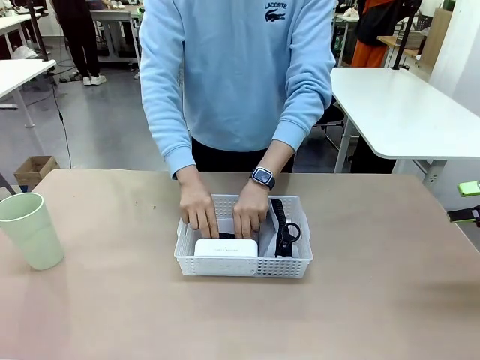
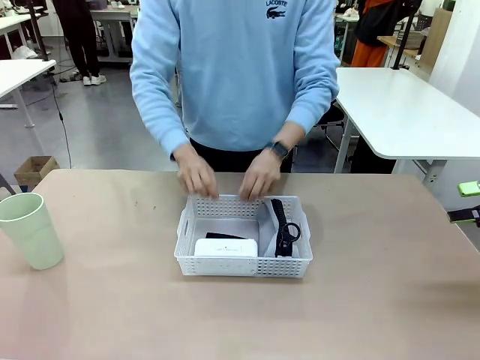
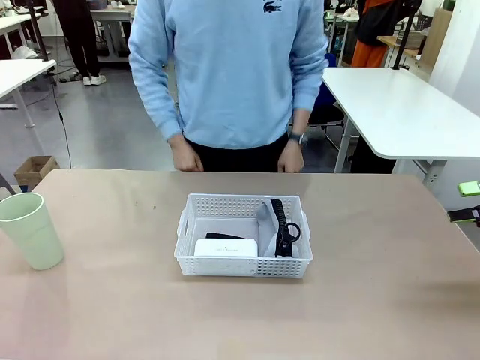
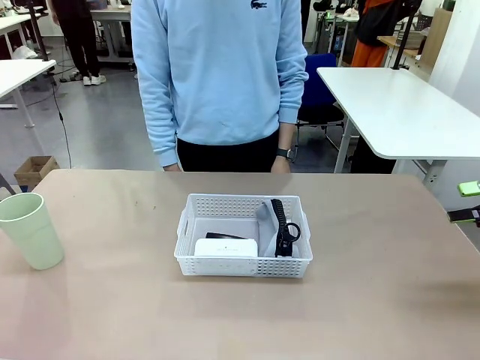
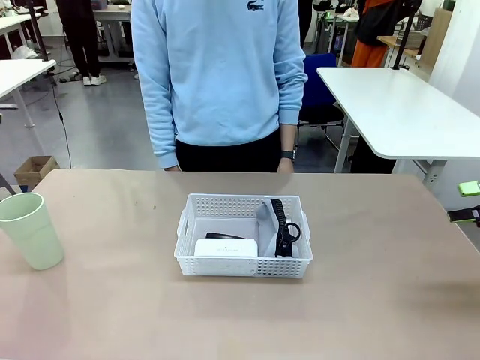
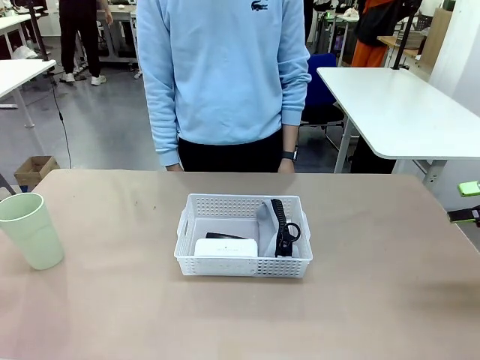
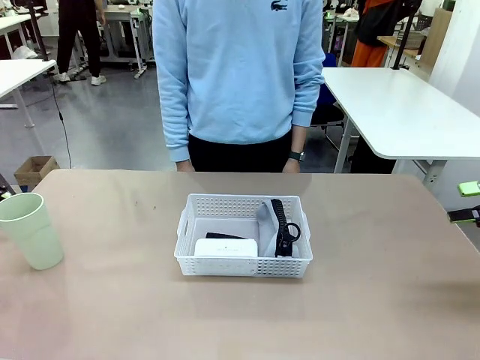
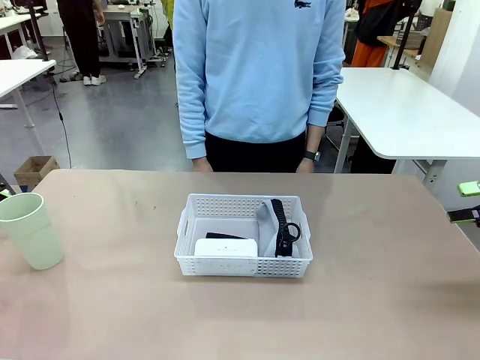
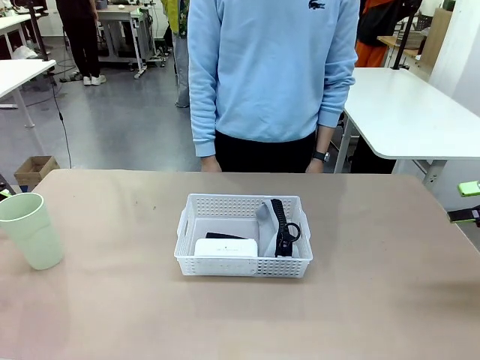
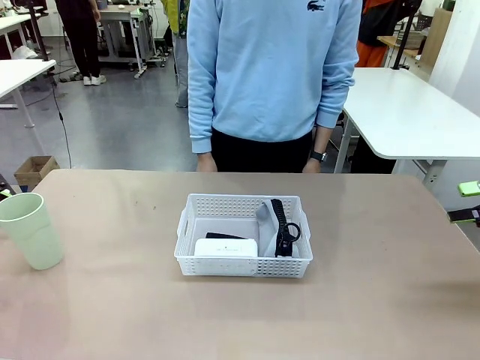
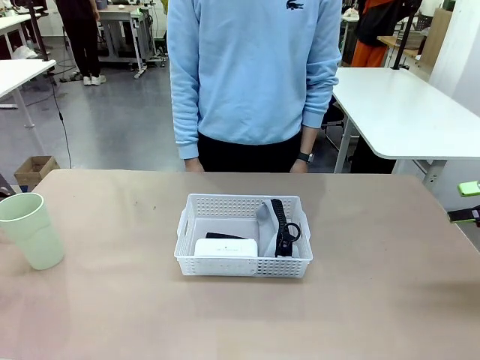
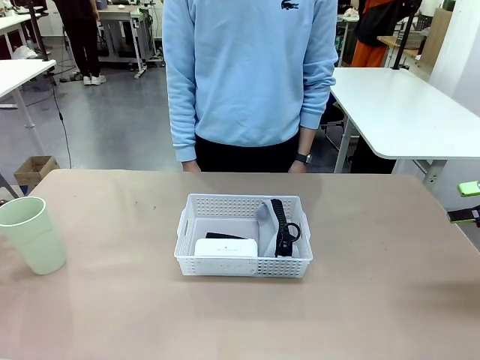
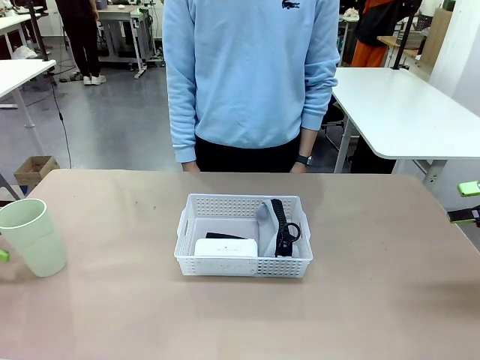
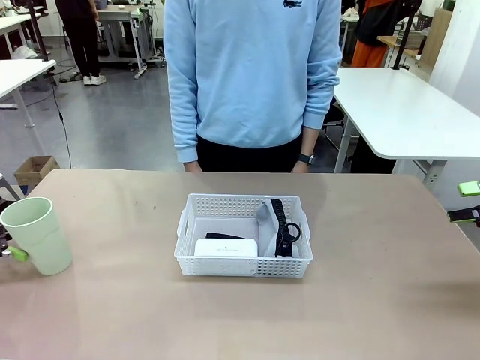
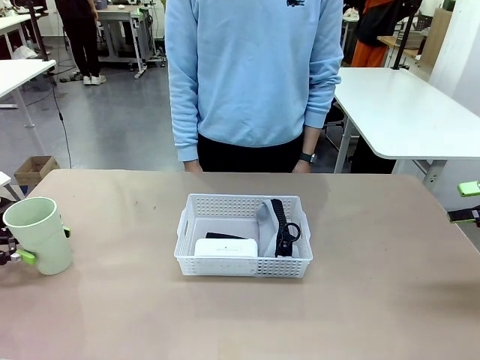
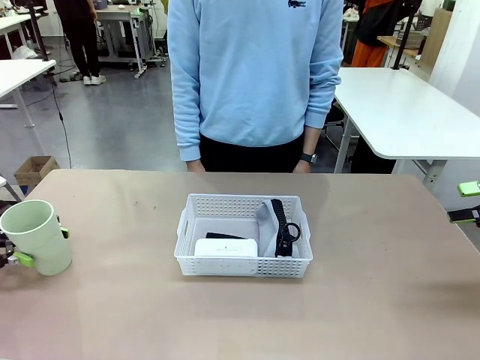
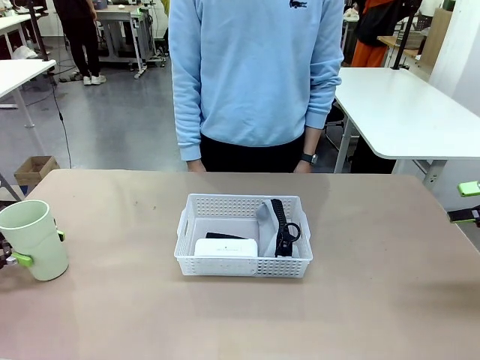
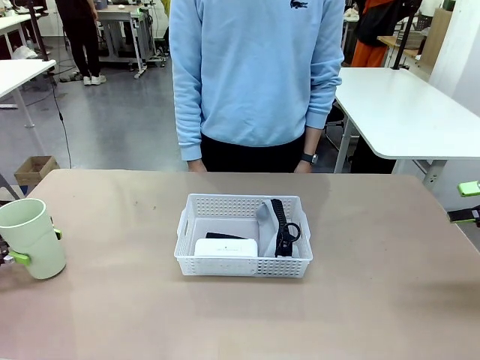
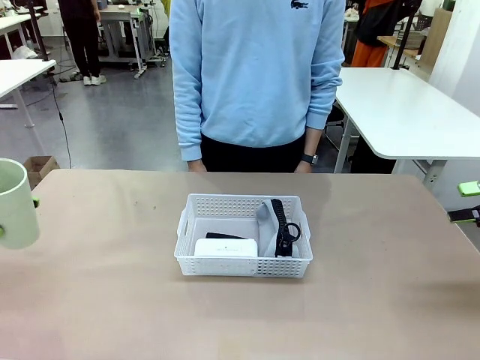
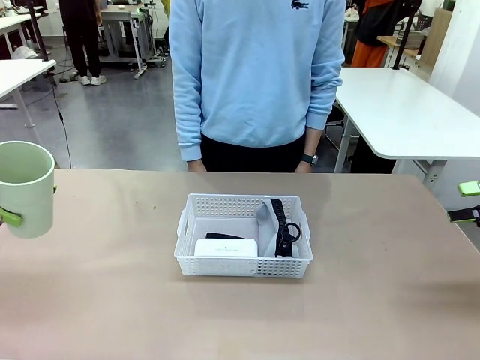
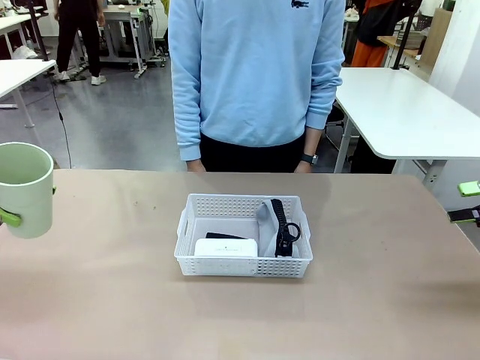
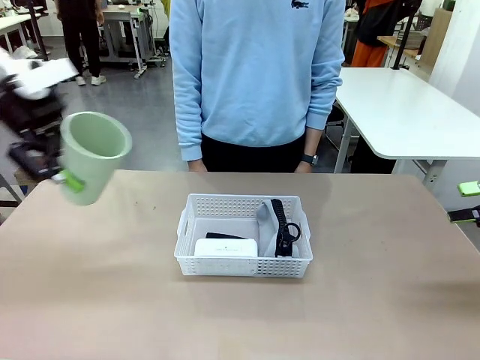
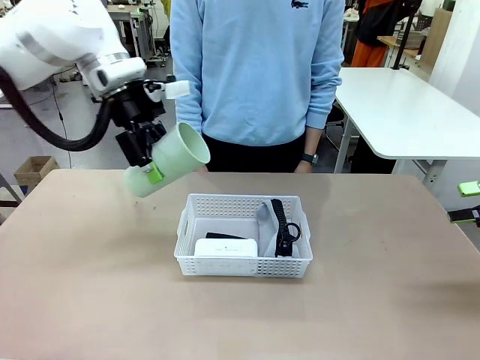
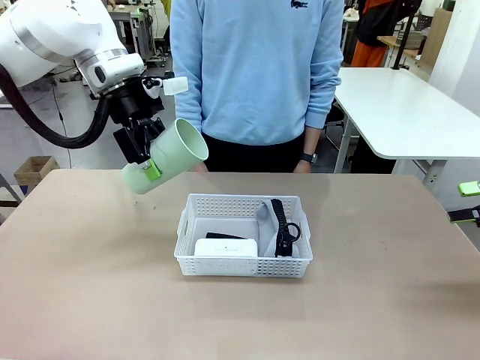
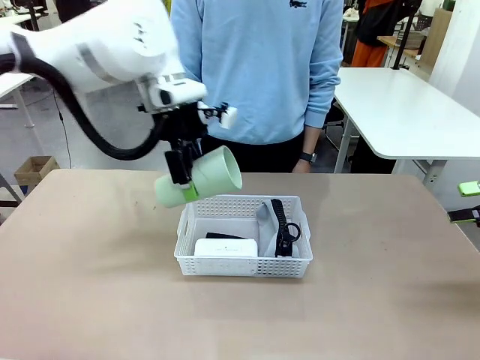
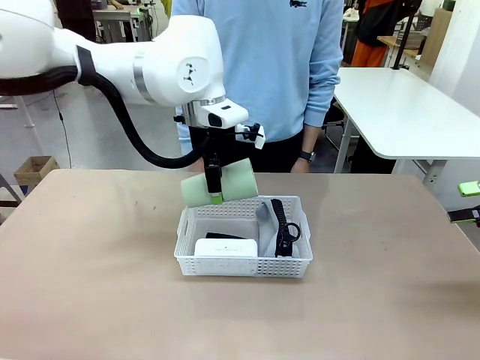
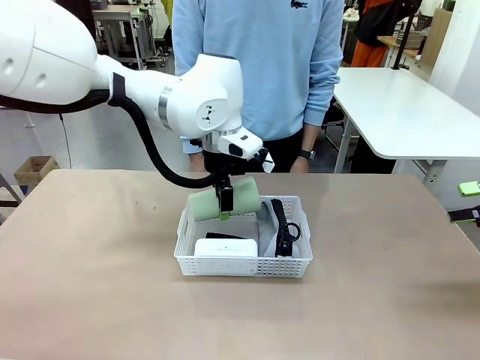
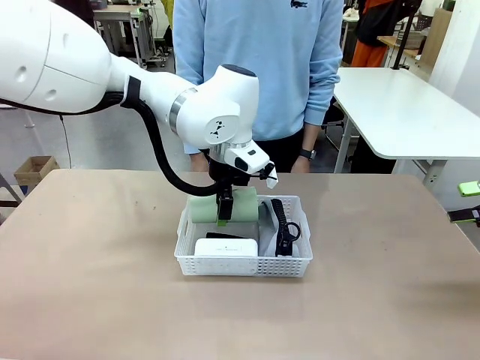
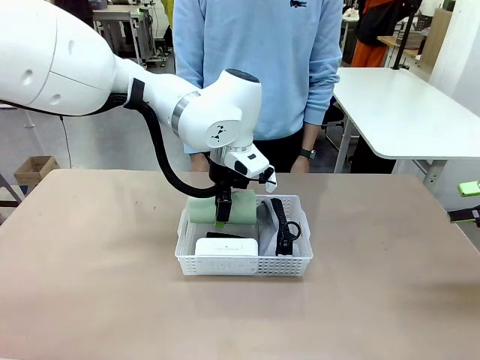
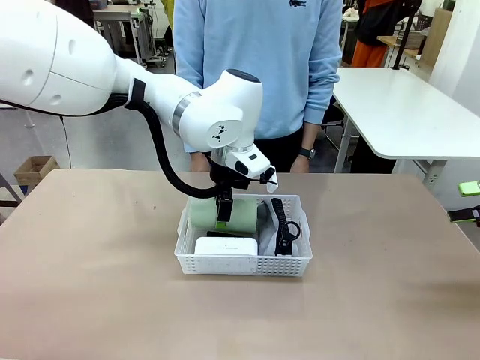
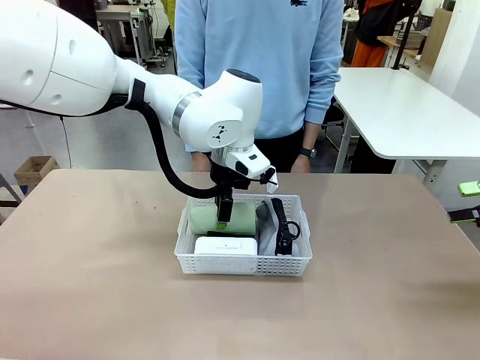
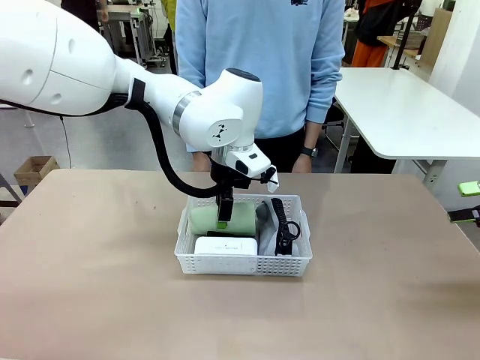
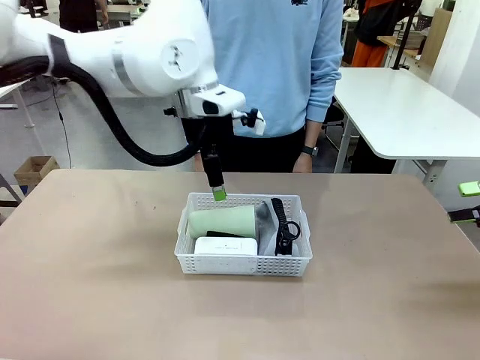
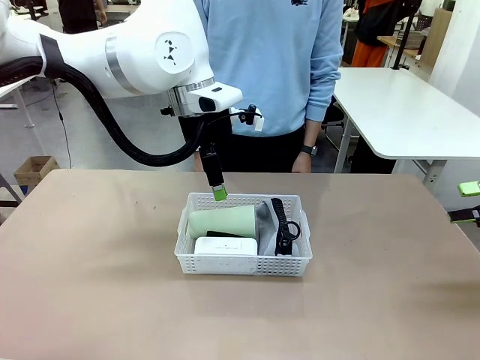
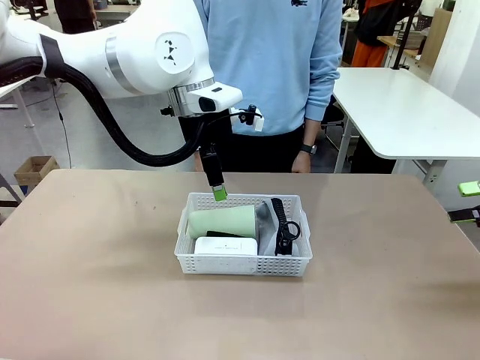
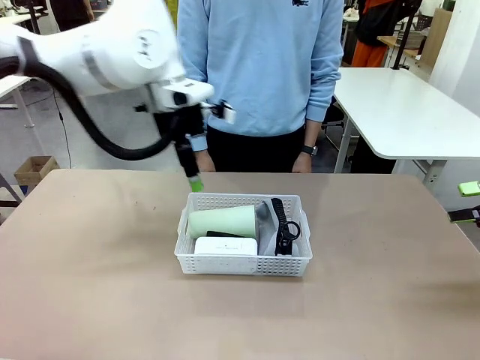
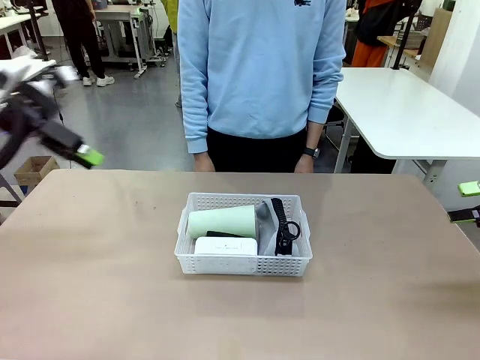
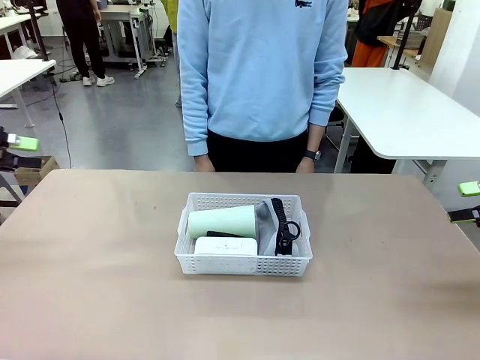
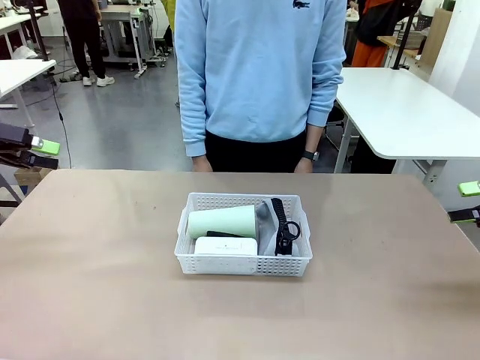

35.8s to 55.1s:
Task: Efficiently arrange items inside the basket to fit them all.
Robot: Pick up the Reusable plastic cup and place it inside the Organizing basket.
Person: Repositions the stapler.

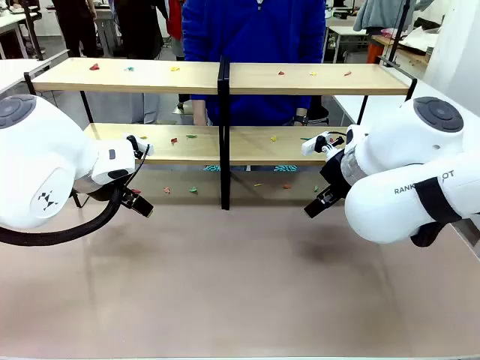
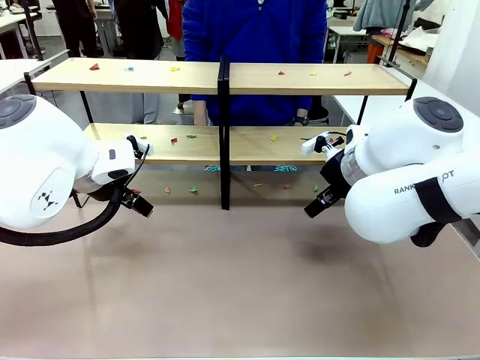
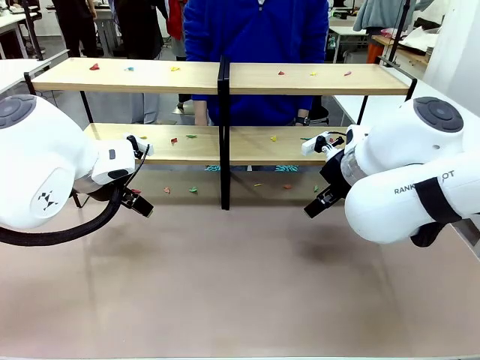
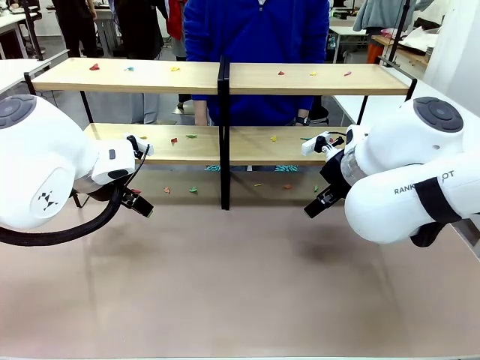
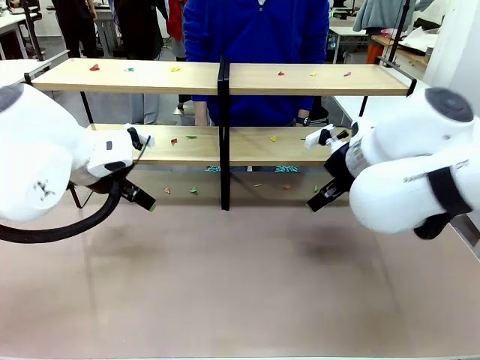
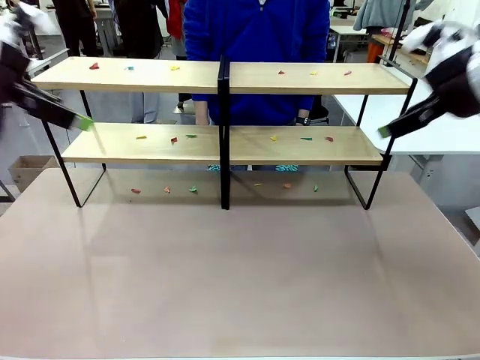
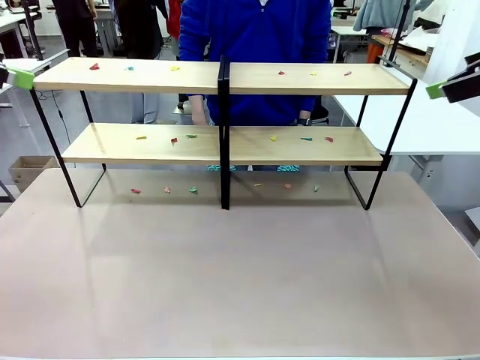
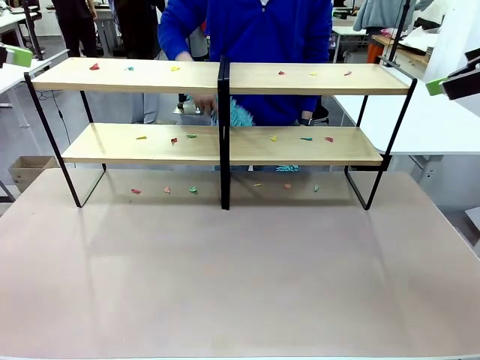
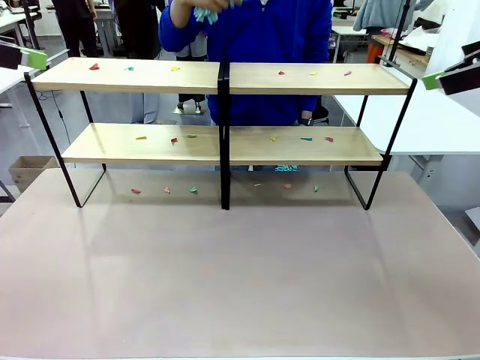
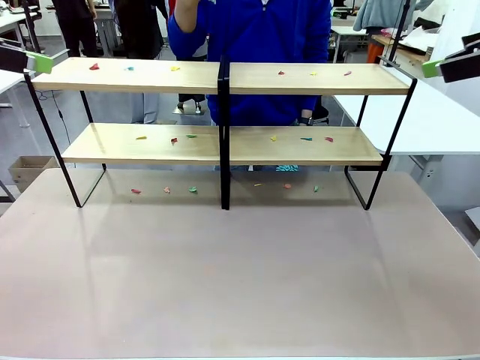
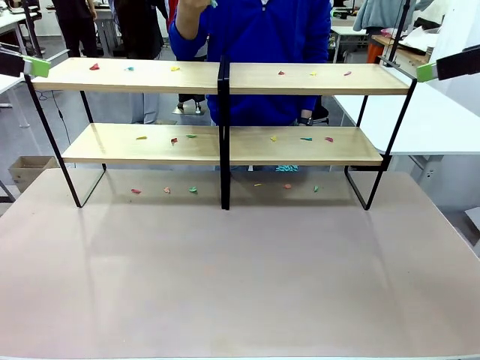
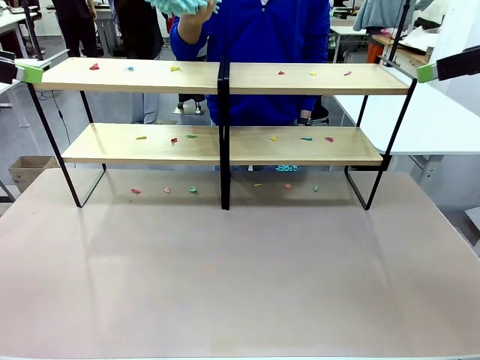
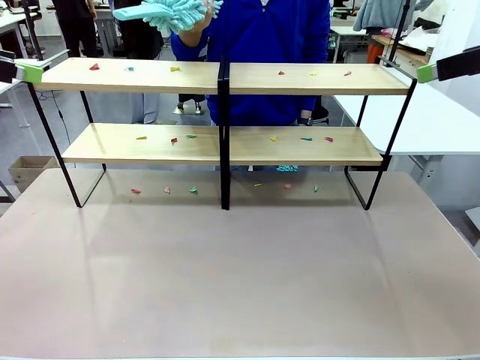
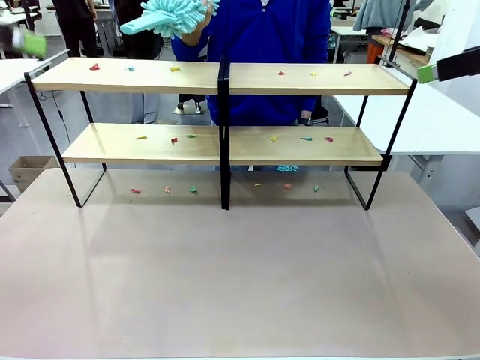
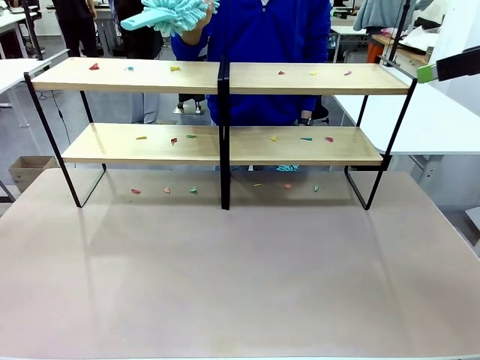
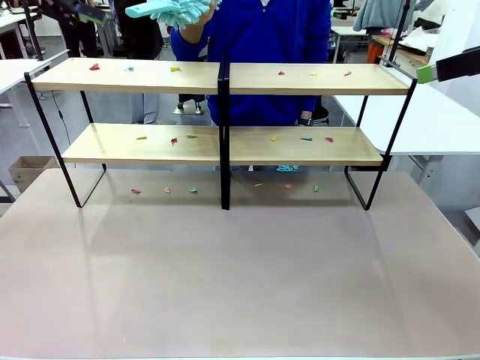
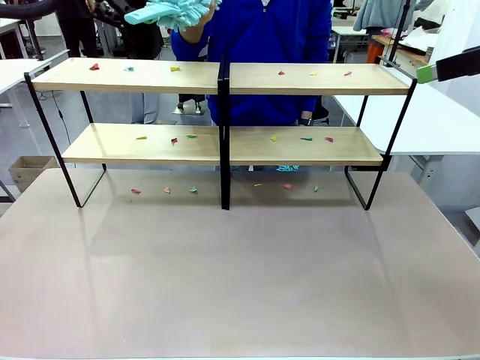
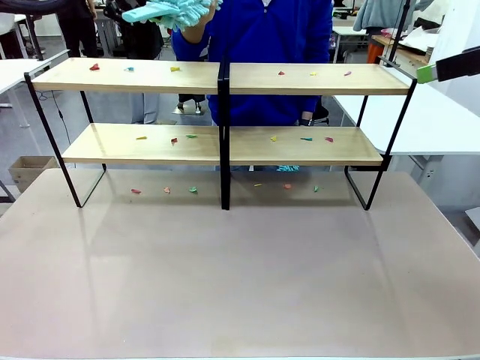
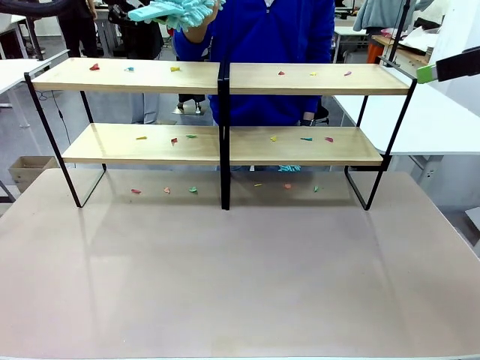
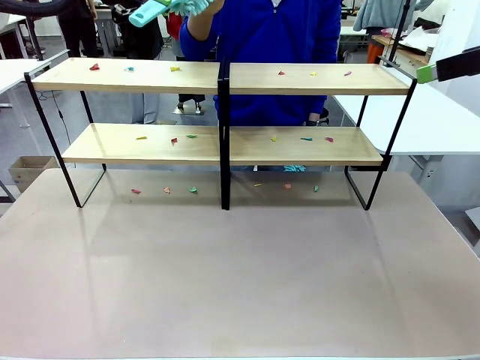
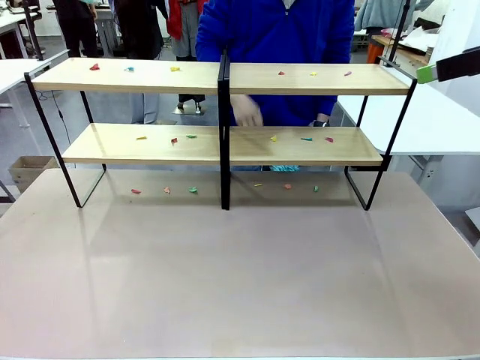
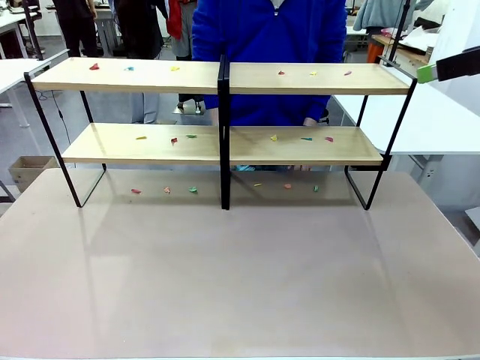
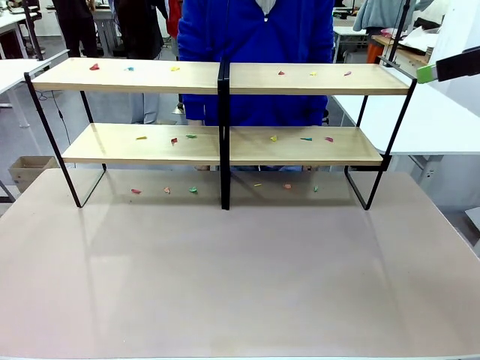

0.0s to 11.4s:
Task: Clean the shelves.
Robot: Pick up the Duster when the human hands it over.
Person: Hand the Duster to the robot with your right (or left) hand.
